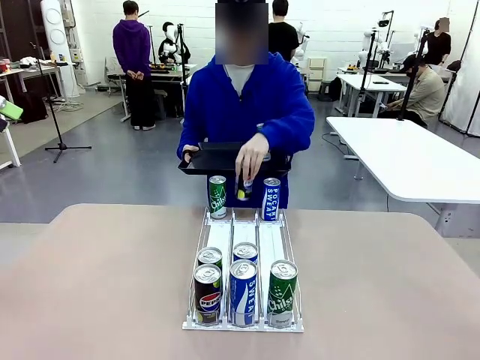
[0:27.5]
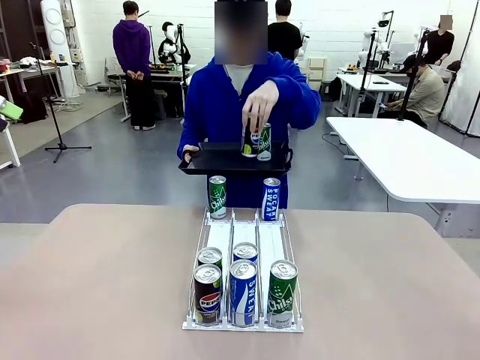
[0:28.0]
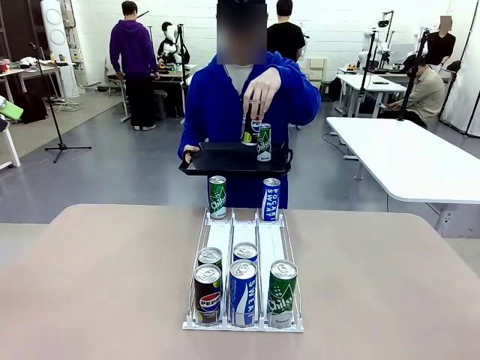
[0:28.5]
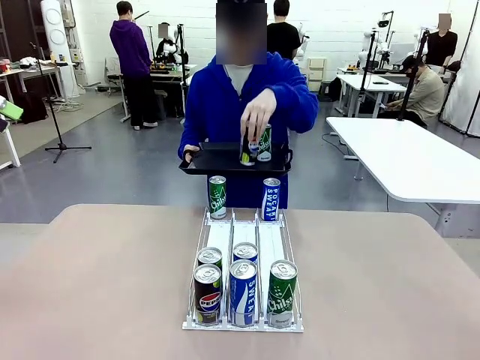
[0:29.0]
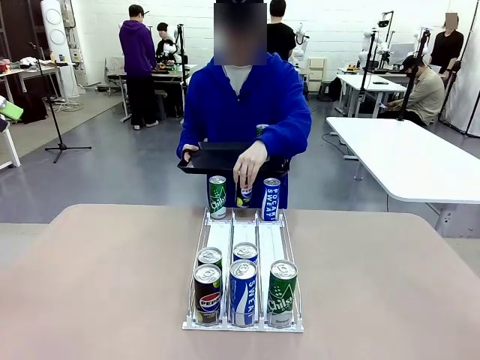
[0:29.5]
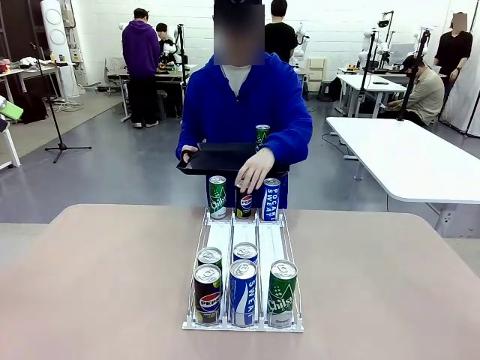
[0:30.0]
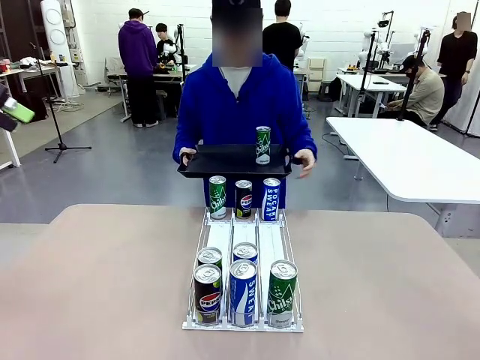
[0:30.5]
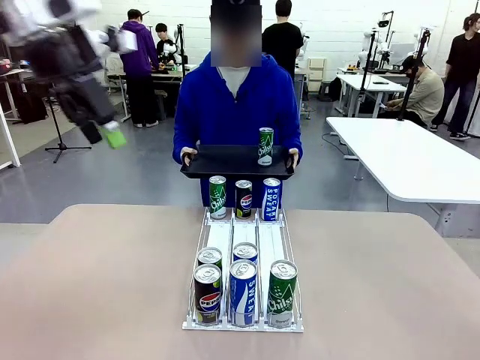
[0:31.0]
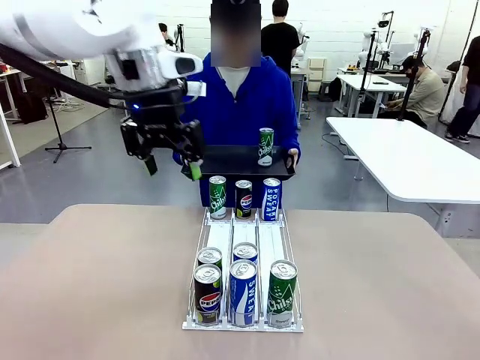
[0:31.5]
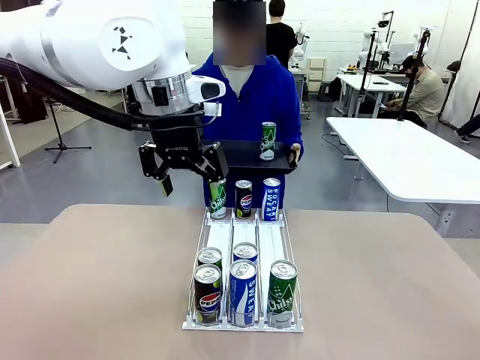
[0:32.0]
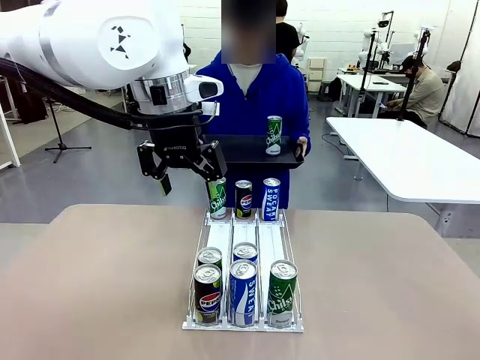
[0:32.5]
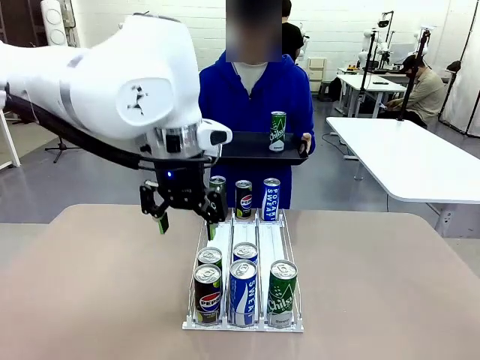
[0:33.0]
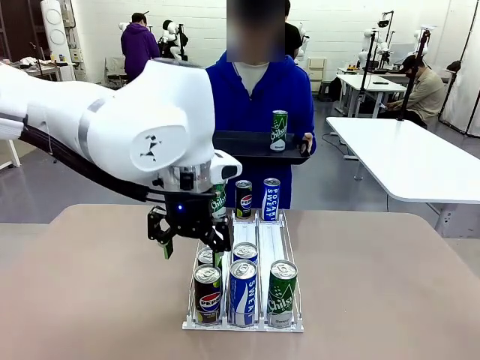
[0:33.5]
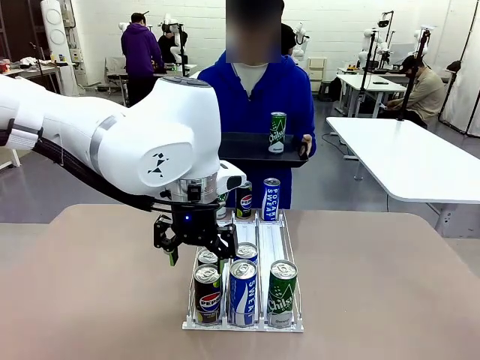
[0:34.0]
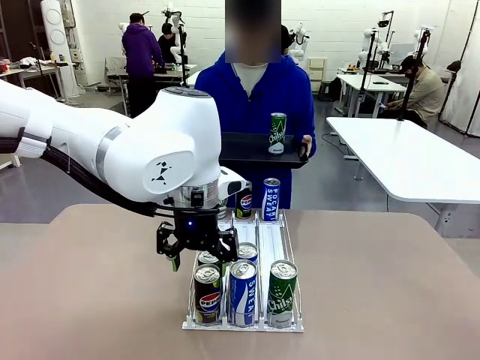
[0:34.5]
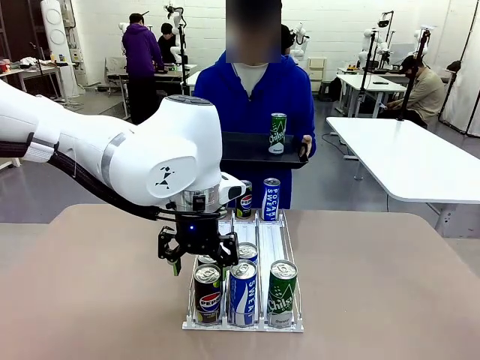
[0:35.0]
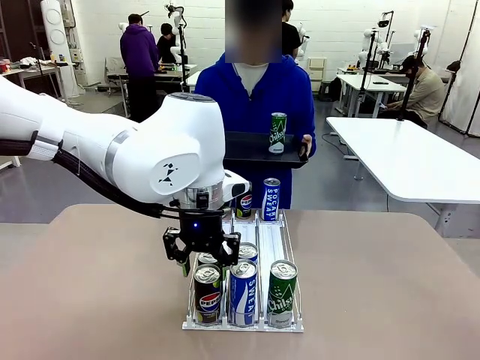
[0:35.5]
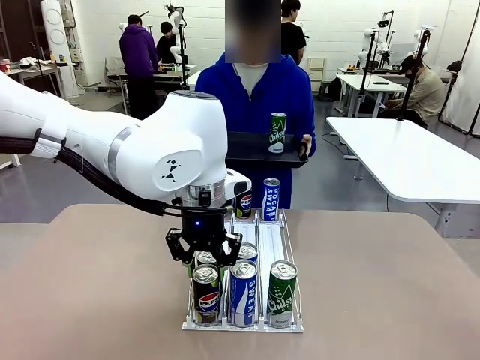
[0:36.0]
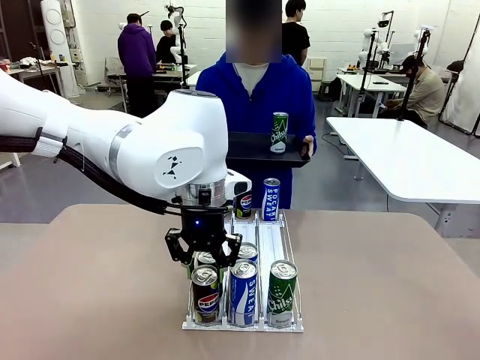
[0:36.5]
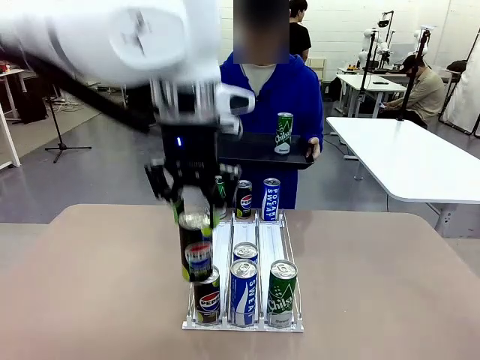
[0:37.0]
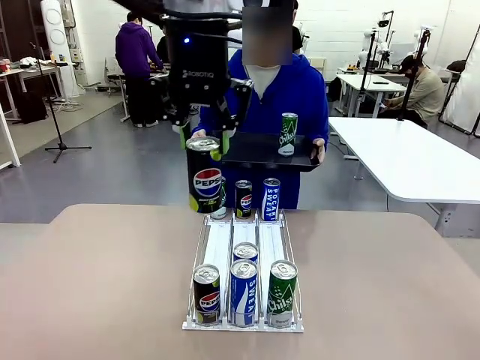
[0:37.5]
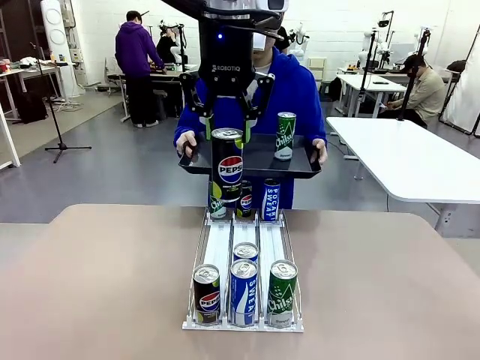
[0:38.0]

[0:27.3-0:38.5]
Task: Retrieve and hand over the desired beverage to the person.
Robot: Pick up another can of the same type that the person held from the Automatic Can Dispenser.
Person: Push the tray toward the robot again.

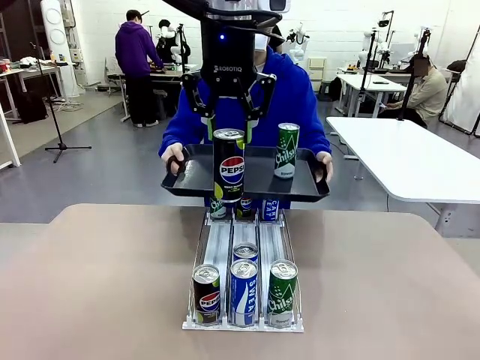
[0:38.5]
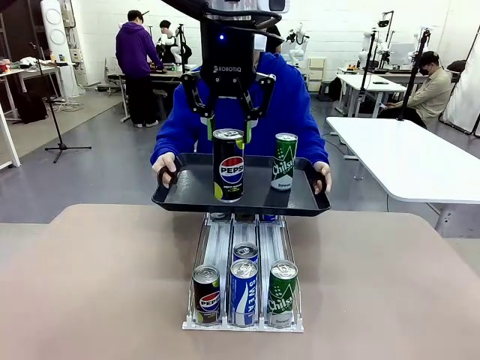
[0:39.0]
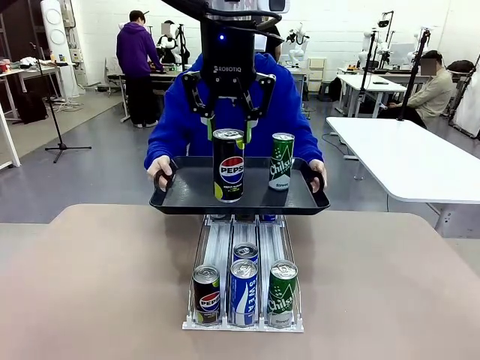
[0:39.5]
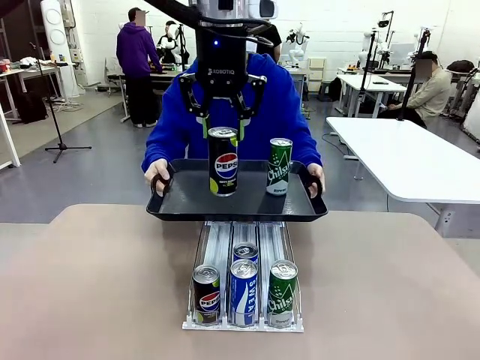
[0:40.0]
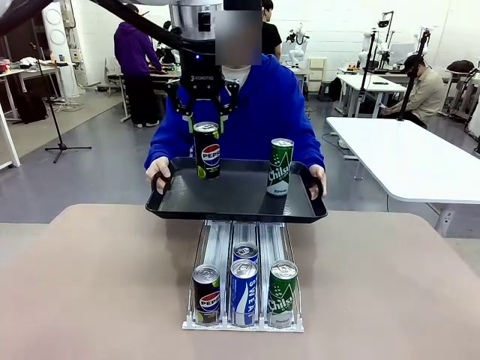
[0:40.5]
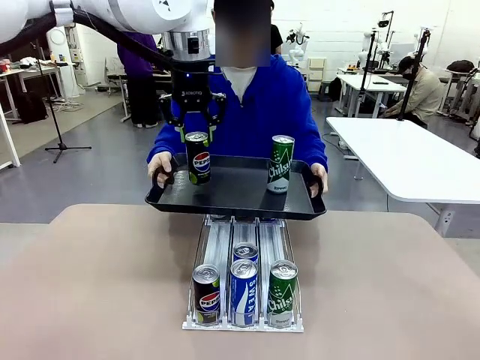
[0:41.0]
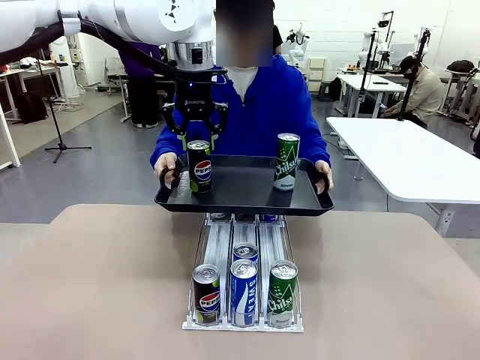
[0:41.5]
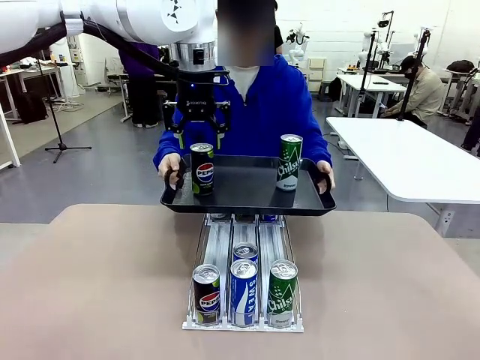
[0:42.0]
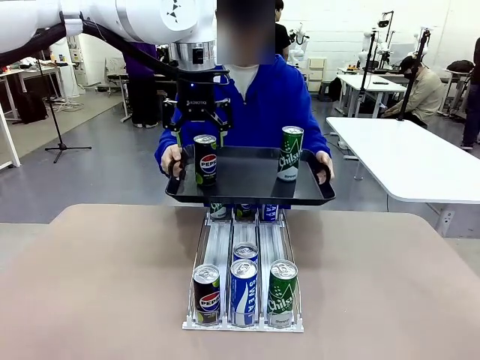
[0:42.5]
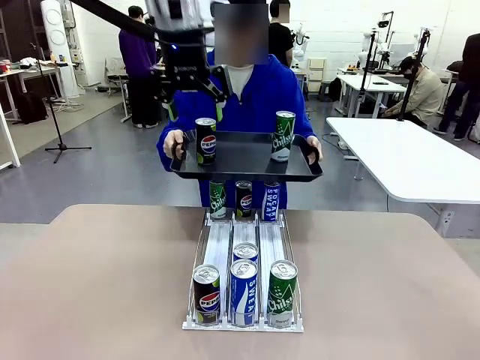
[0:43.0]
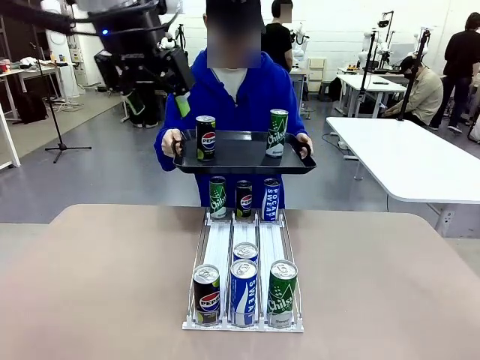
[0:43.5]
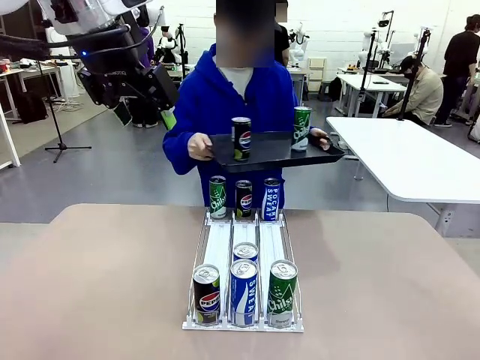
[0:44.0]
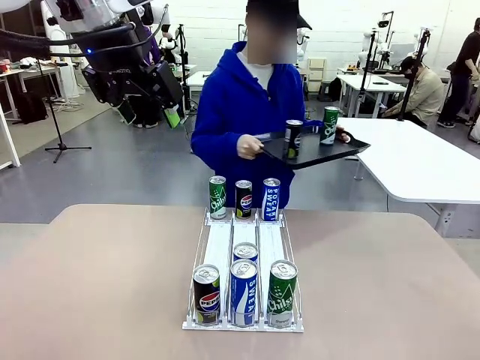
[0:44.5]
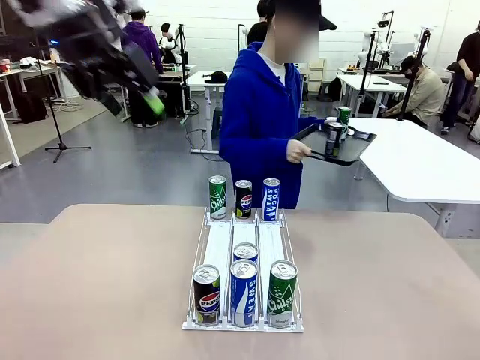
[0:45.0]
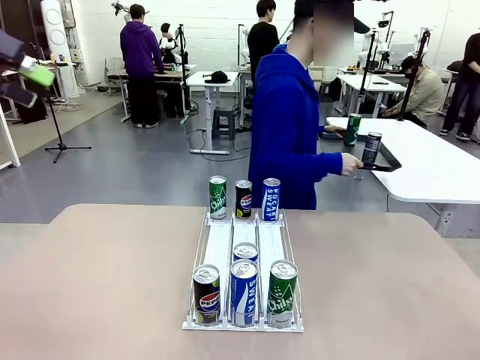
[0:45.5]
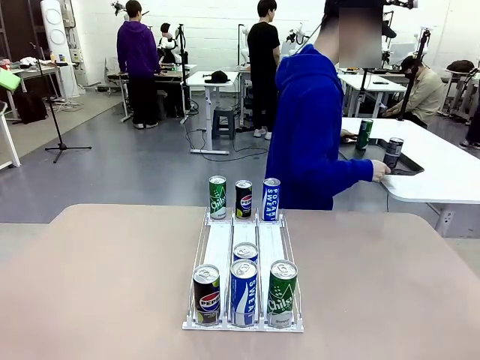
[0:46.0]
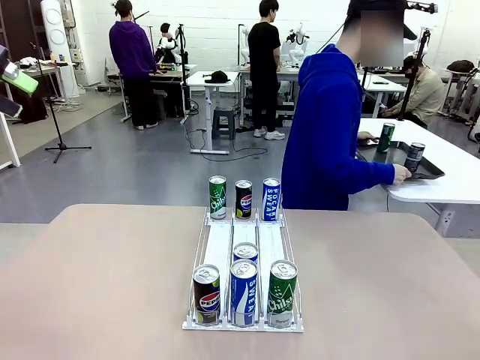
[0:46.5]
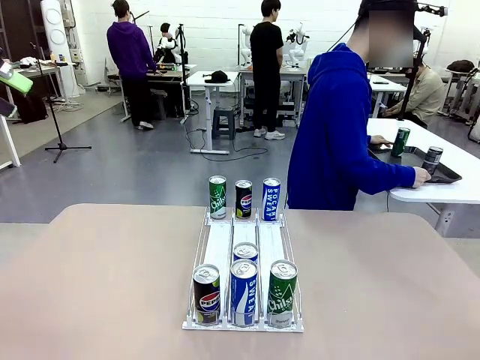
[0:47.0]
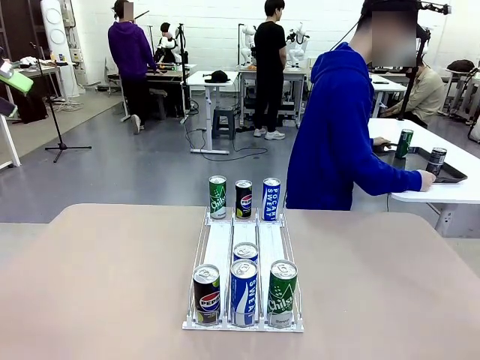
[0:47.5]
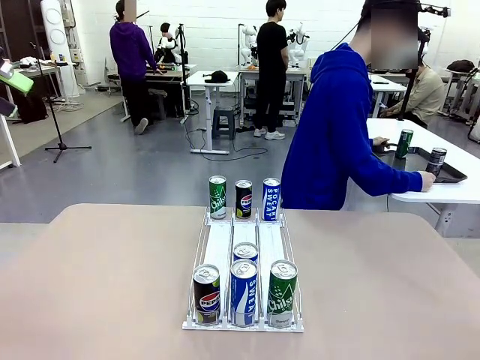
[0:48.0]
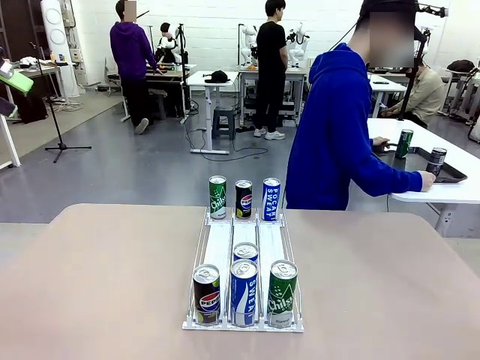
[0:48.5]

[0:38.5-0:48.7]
Robot: Place the picked can on the Handle tray extended by the person.
Person: Pull the tray back and place it at the center of the human table.
